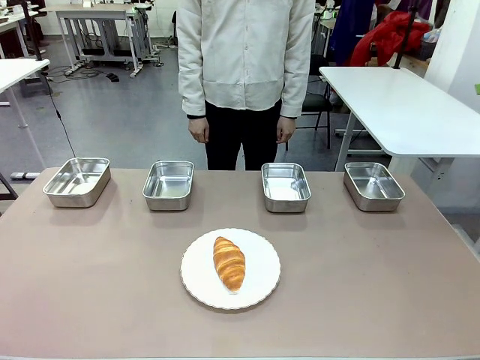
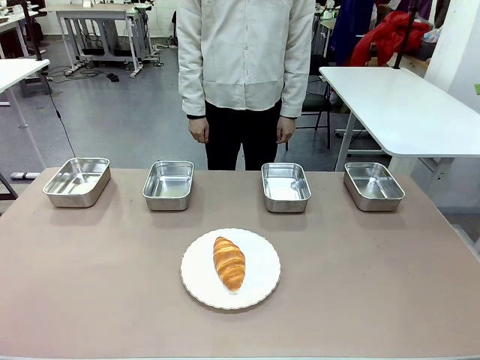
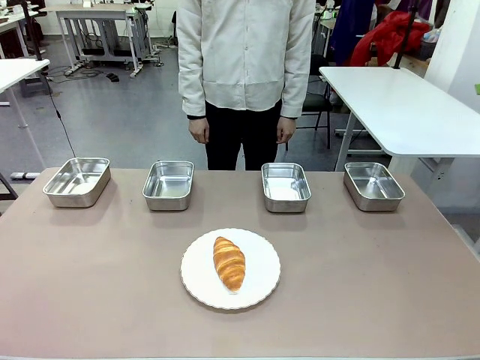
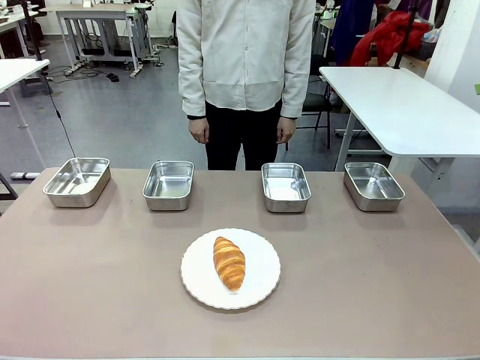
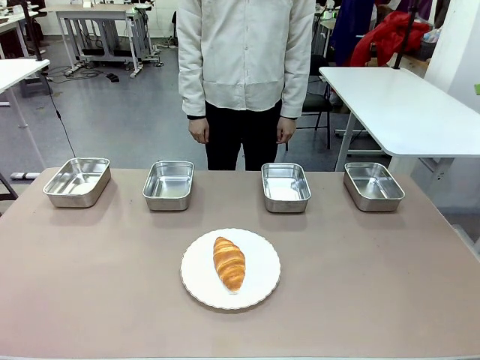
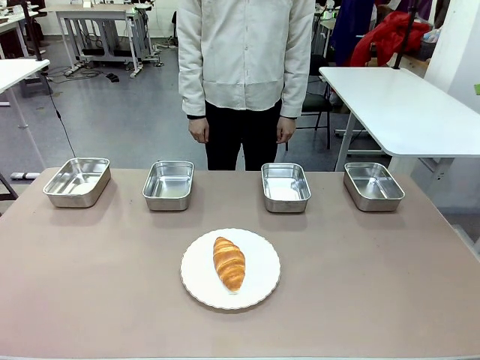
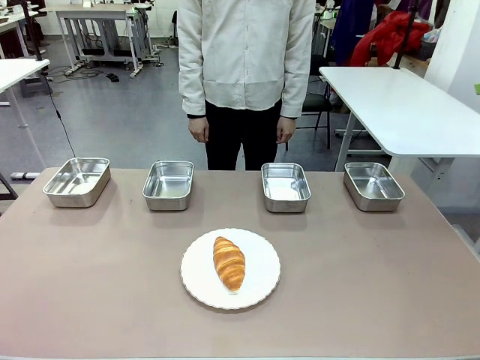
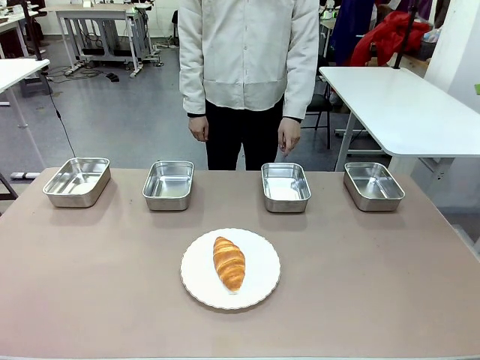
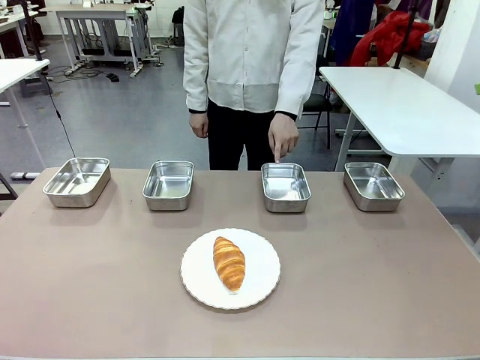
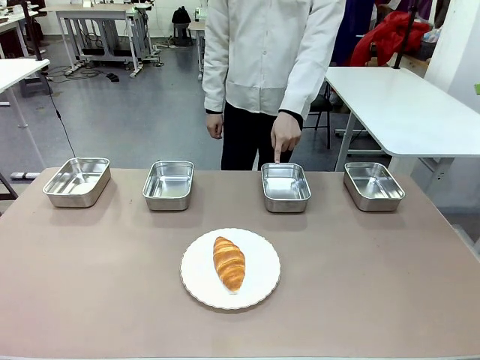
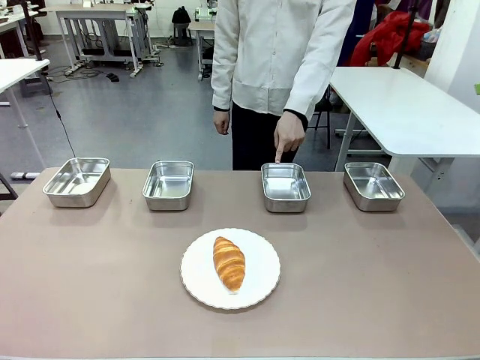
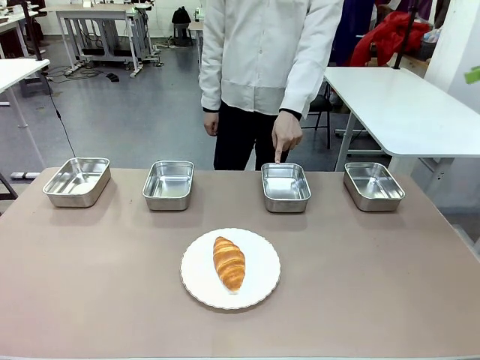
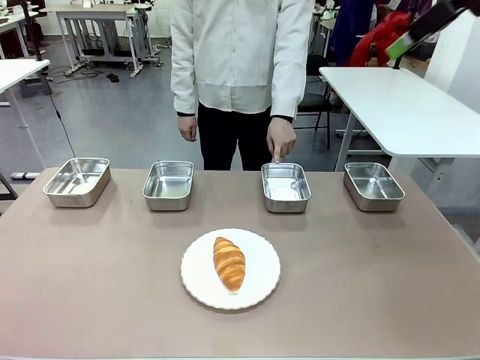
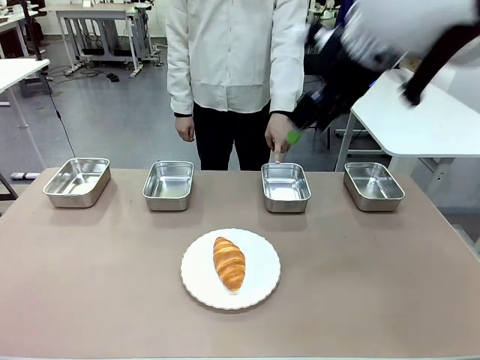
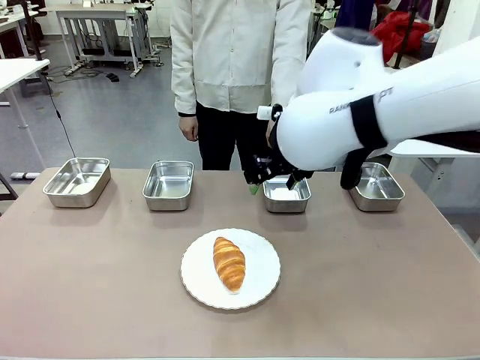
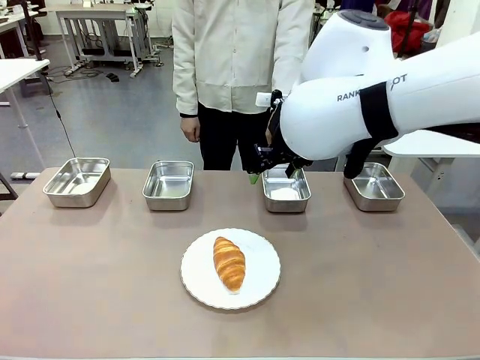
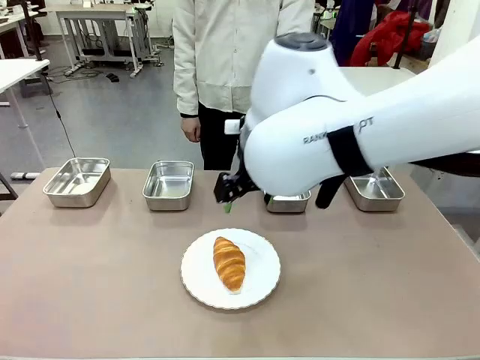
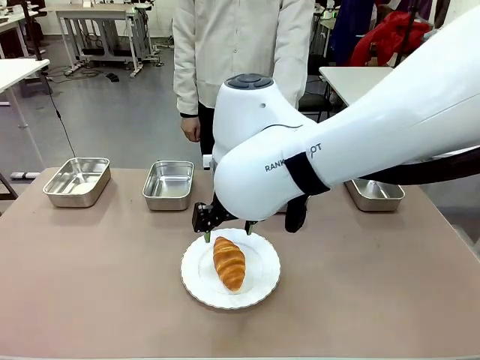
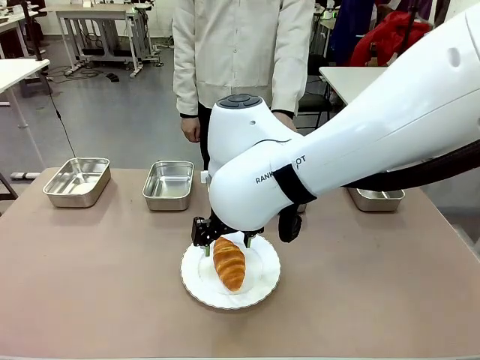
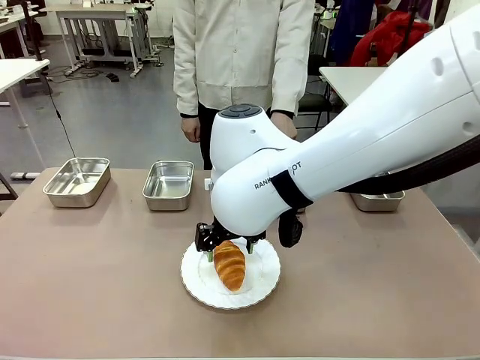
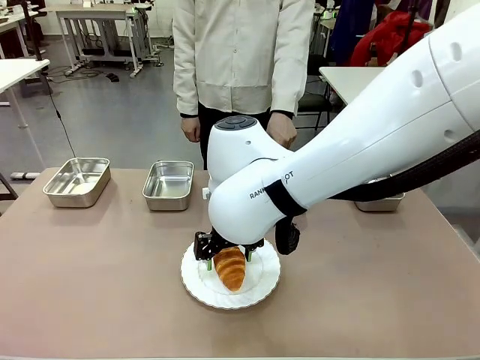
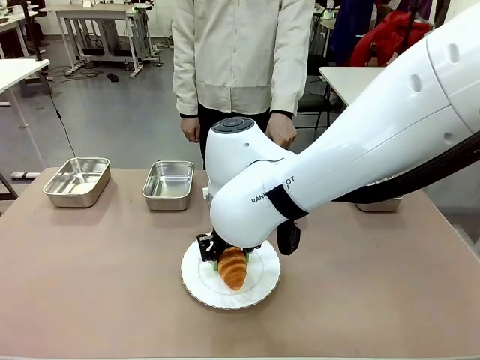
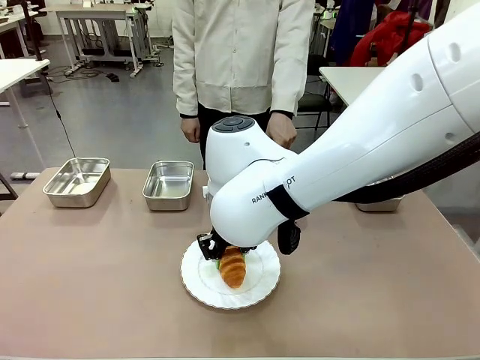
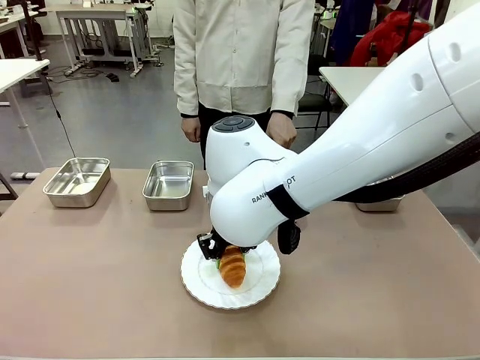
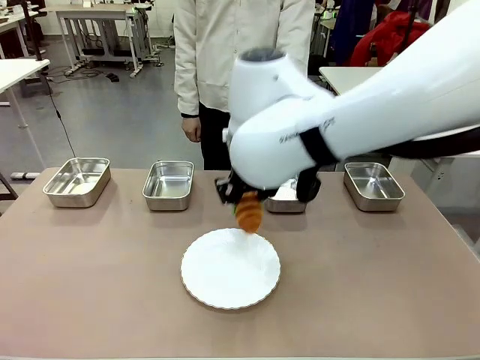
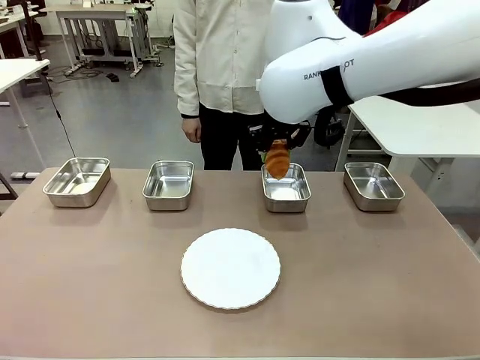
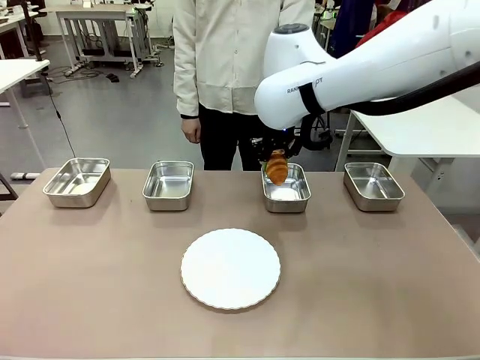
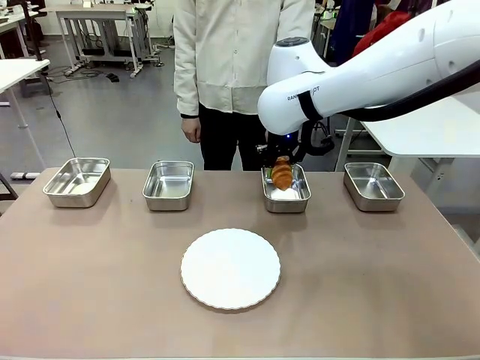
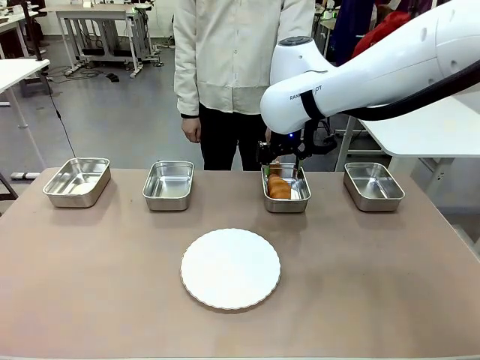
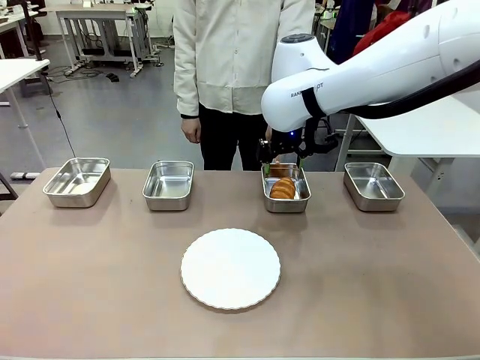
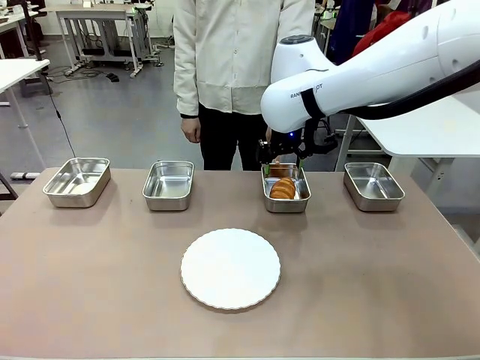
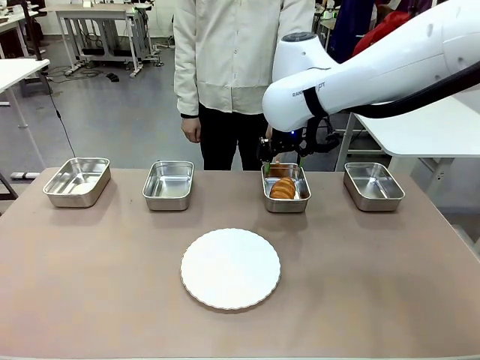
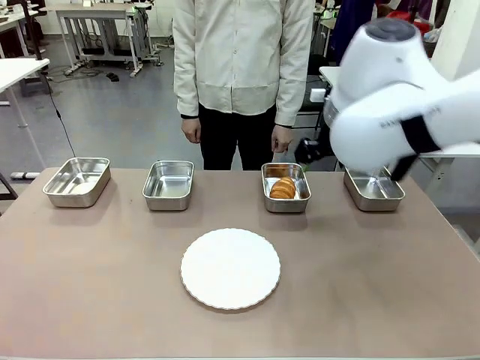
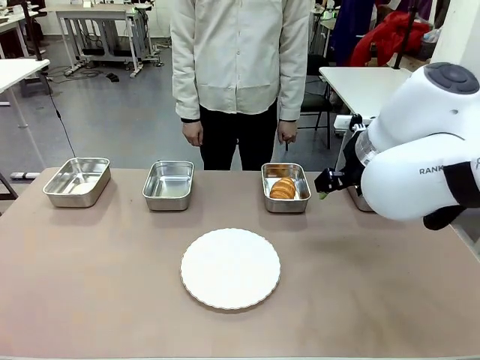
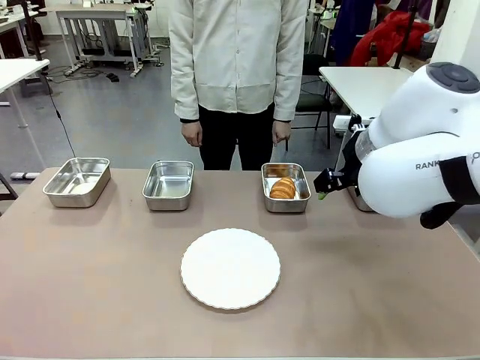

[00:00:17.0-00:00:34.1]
Task: Place the bread in the container.
Robot: Place the Butter Roll into the Airtight Container indicated by the human.
Person: A person randomly selects and points to an Airtight Container.
